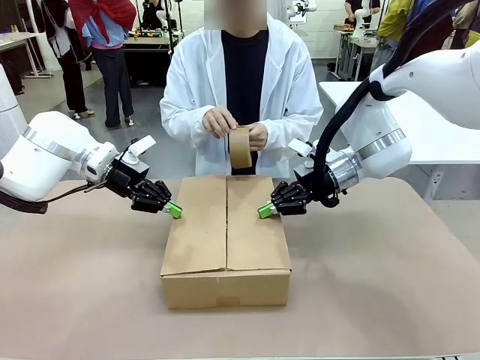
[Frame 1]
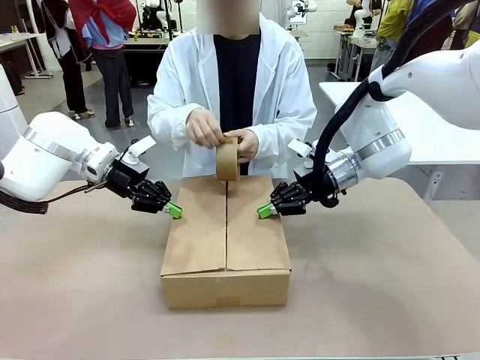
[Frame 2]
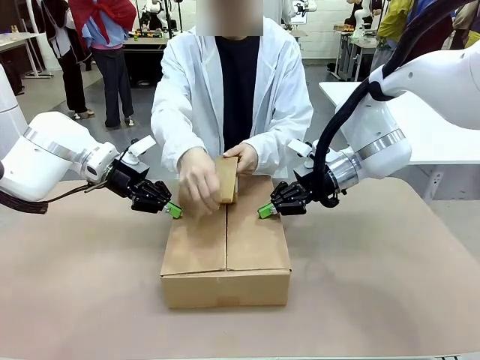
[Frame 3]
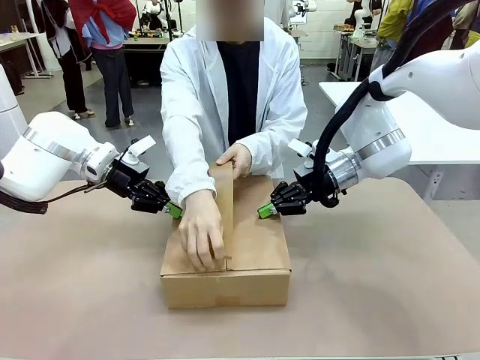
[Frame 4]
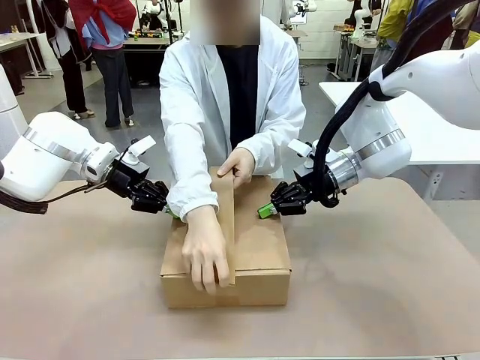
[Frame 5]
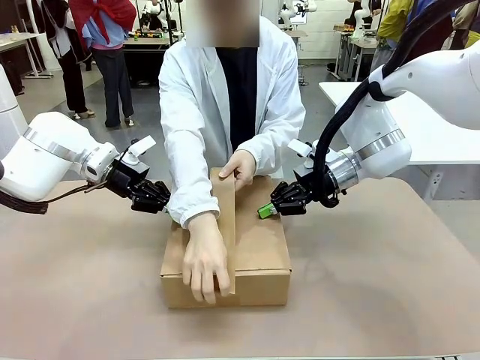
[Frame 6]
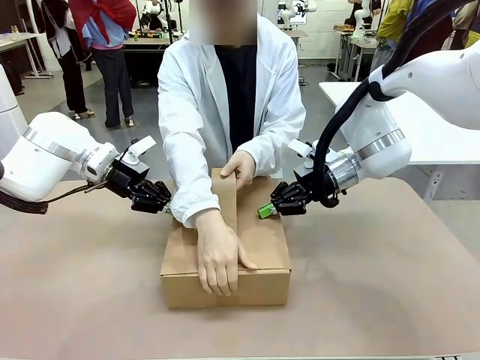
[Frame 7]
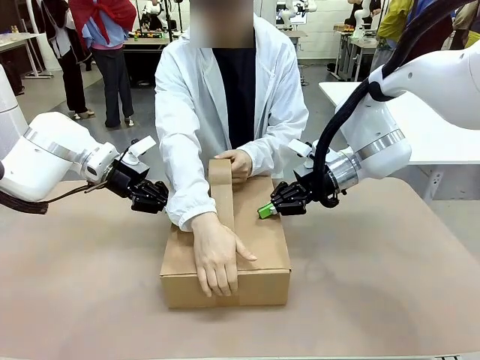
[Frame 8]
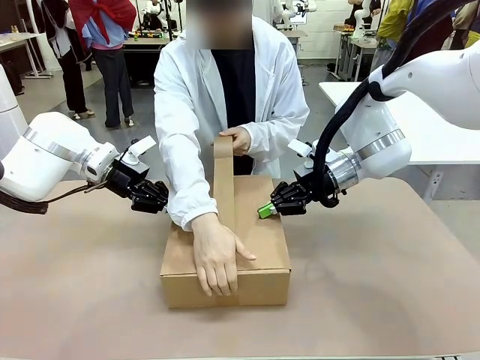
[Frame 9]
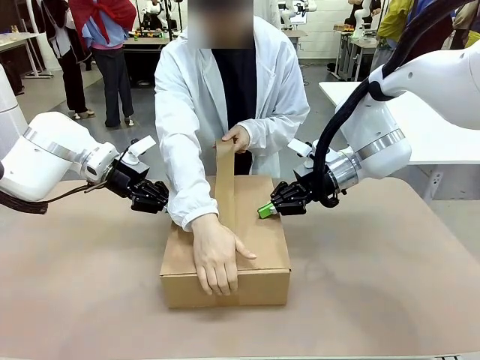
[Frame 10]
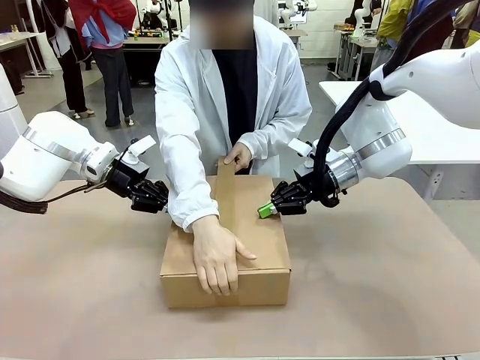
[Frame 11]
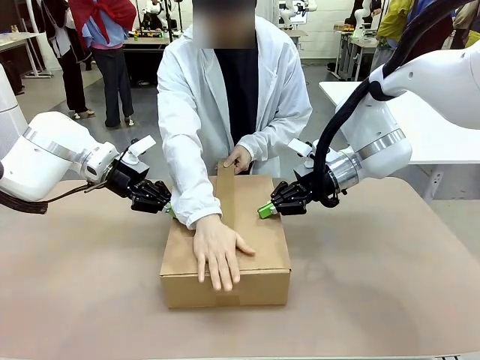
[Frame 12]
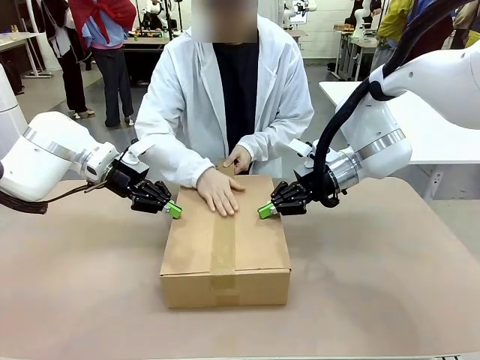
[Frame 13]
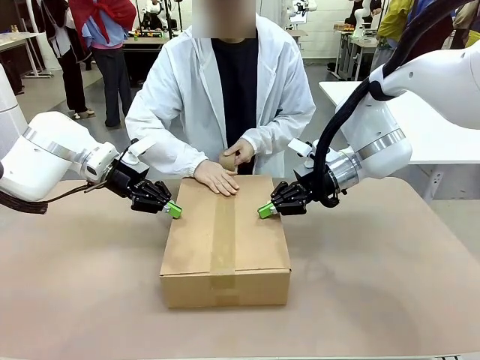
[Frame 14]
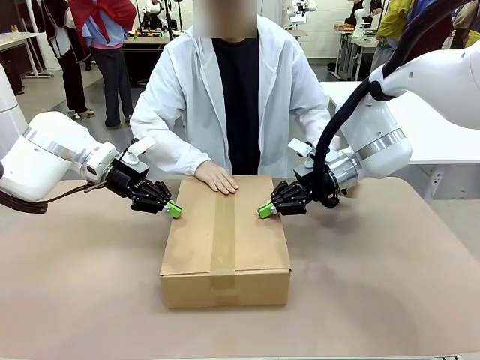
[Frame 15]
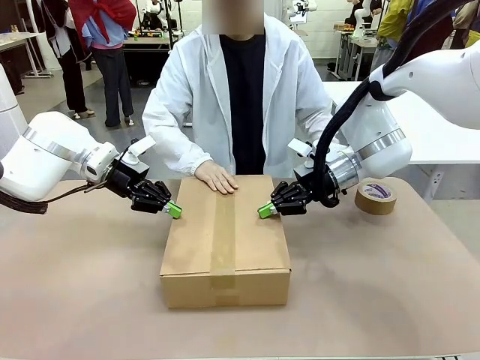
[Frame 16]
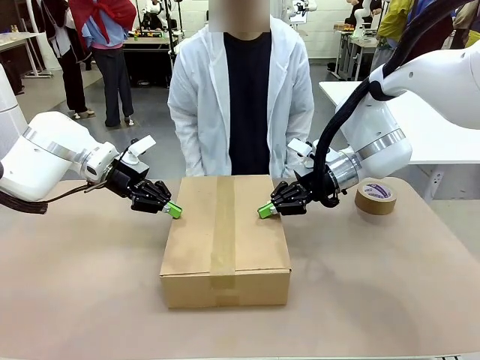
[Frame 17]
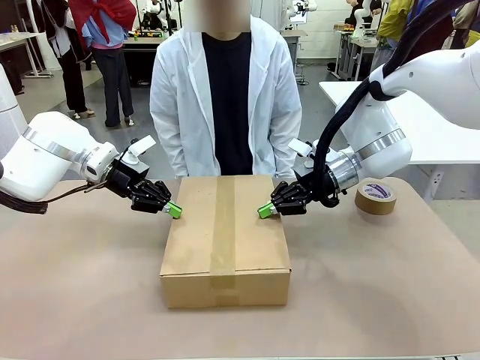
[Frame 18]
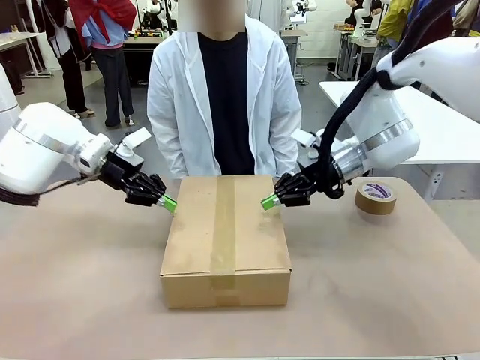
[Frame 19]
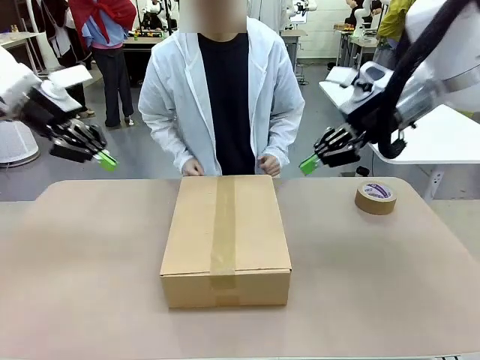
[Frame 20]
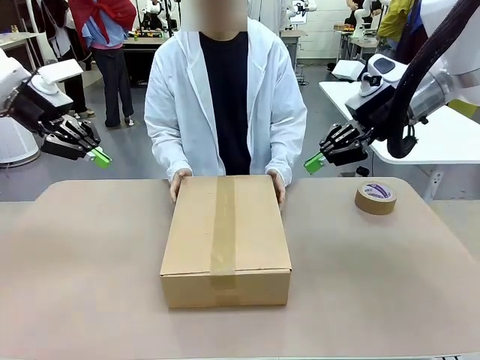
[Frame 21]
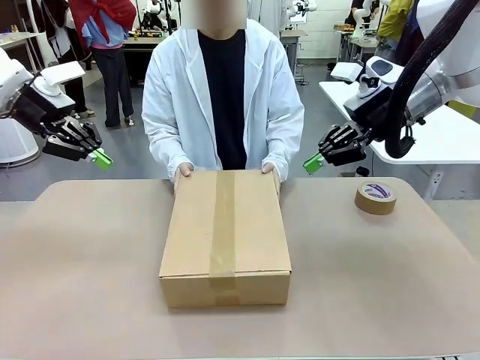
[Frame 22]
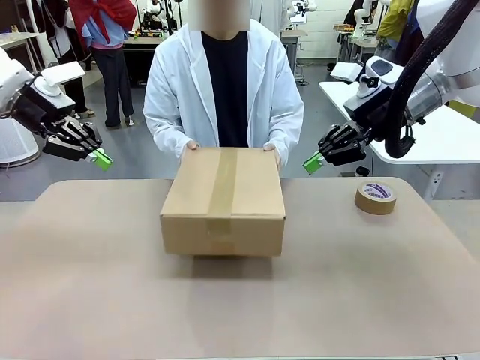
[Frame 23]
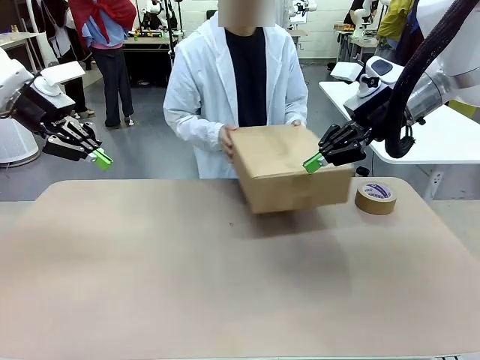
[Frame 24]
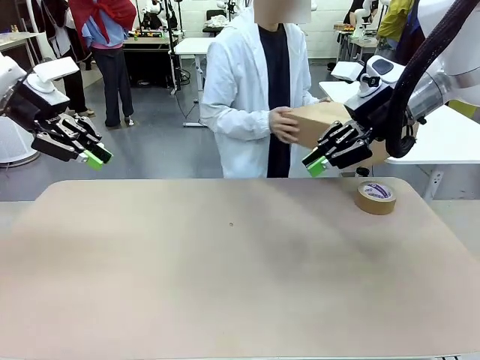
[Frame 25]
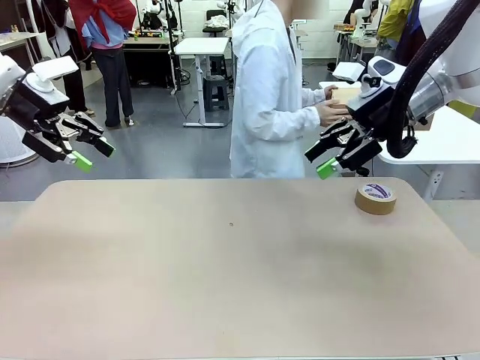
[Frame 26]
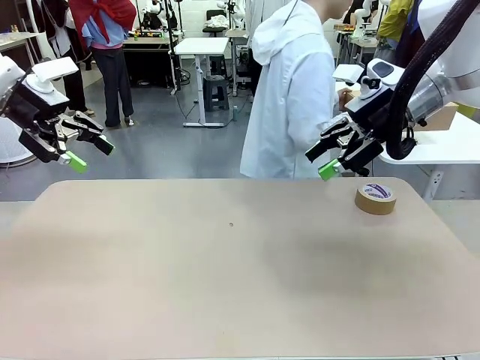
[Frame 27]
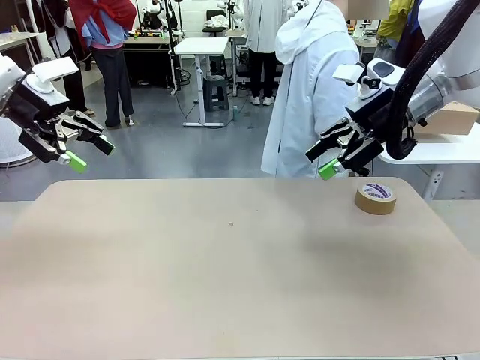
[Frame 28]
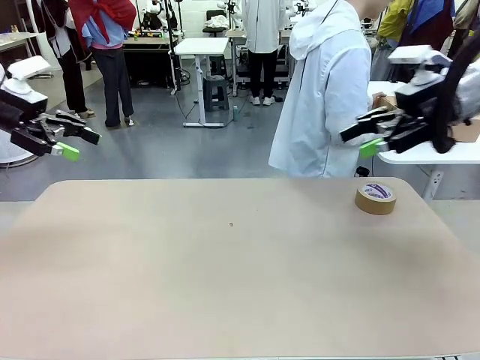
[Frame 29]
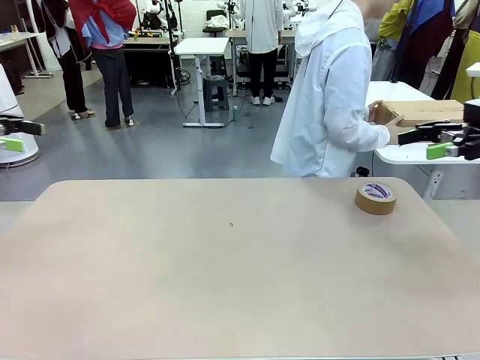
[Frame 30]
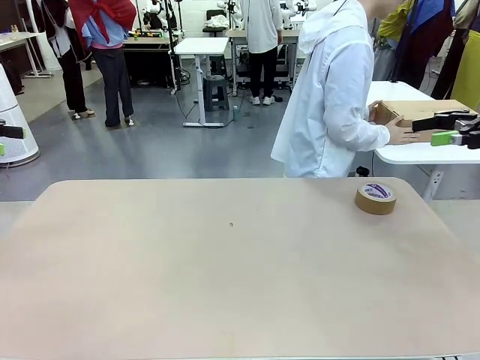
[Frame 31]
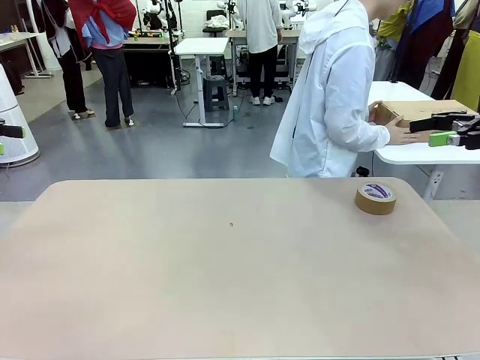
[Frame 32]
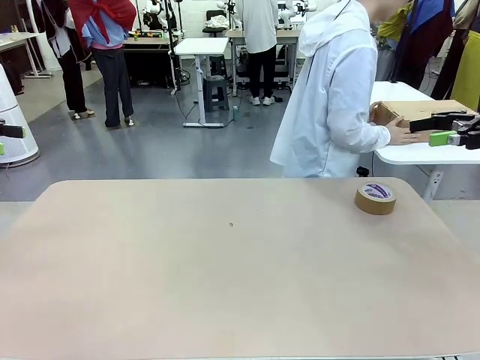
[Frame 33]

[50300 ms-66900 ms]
Task: Wrap the clocks to prevent damage.
Robot: After the human seals the box with tape, release both hands from the side flaps of the Package Box.
Person: Once the robot closes the left flap of the Package Box , seal the box with Paper Tape. Place sealed Package Box in the middle of the human's table.

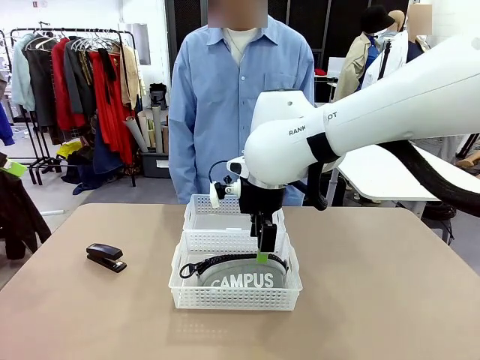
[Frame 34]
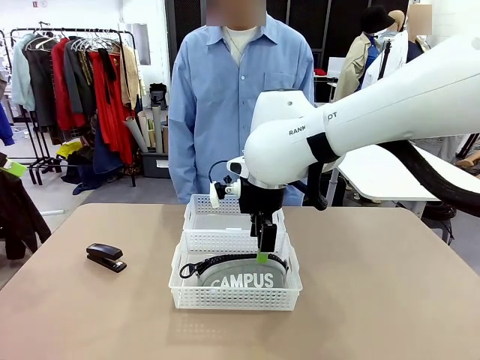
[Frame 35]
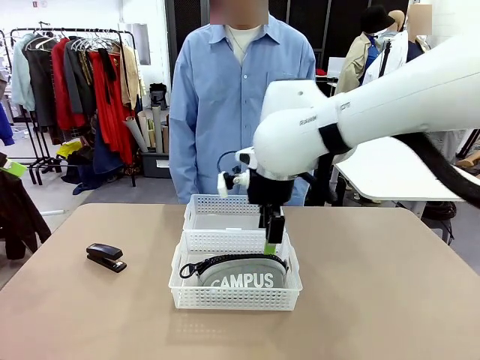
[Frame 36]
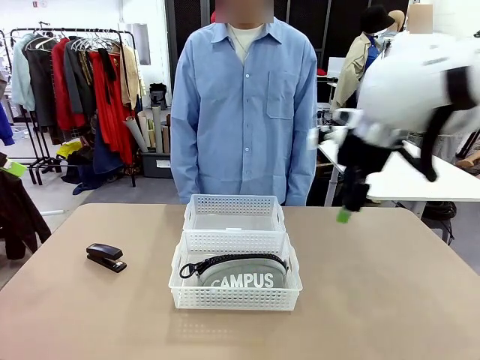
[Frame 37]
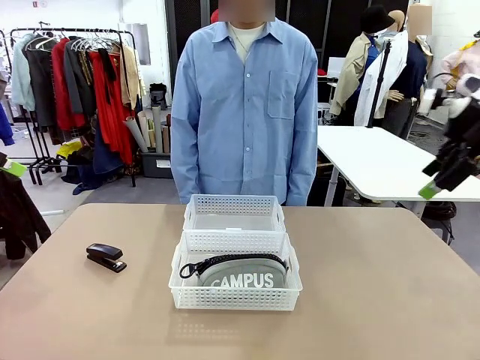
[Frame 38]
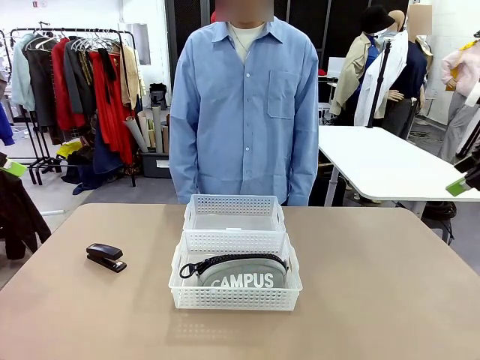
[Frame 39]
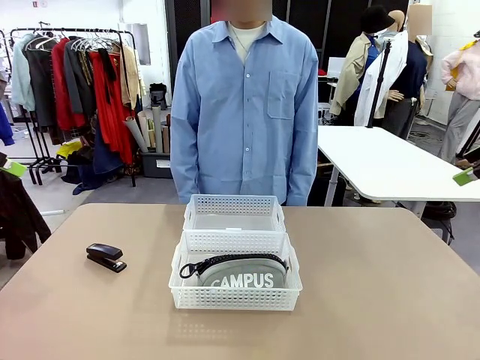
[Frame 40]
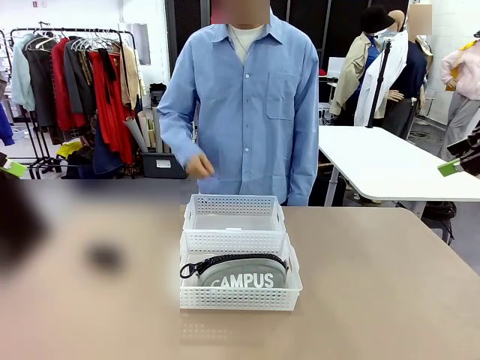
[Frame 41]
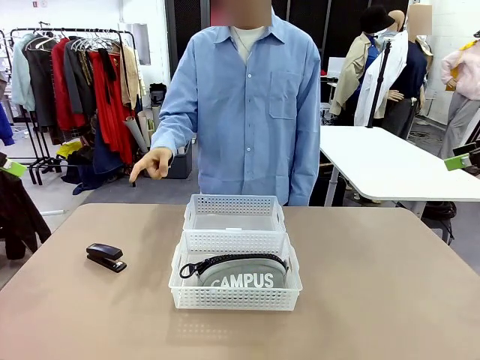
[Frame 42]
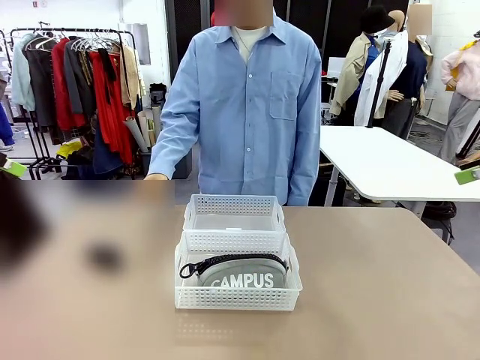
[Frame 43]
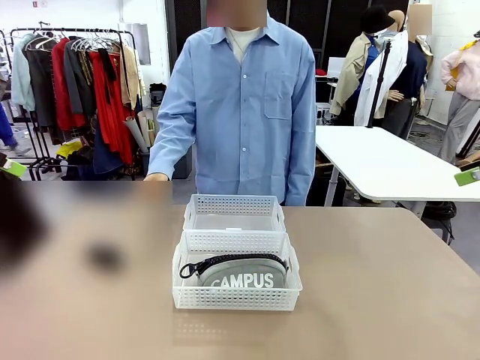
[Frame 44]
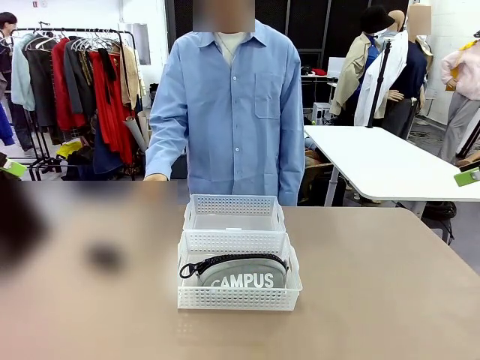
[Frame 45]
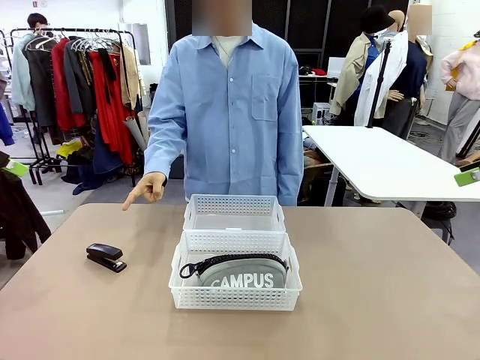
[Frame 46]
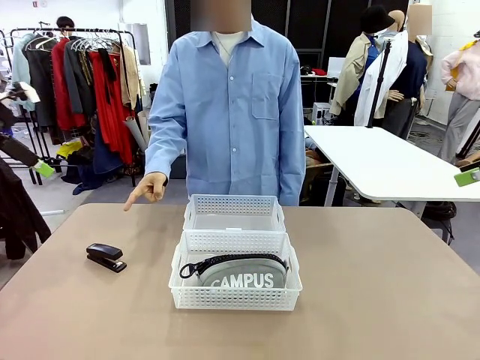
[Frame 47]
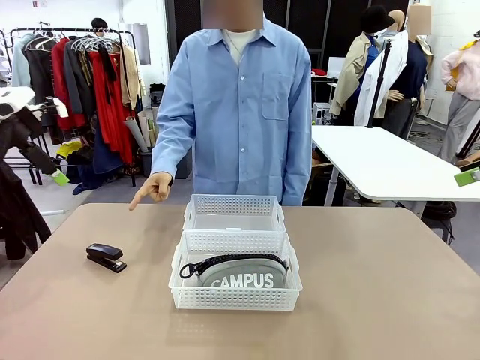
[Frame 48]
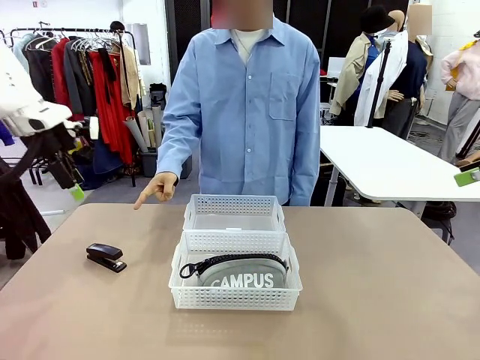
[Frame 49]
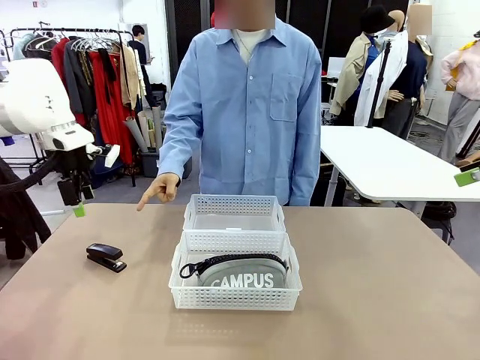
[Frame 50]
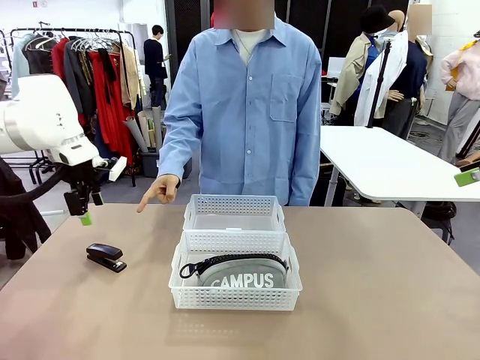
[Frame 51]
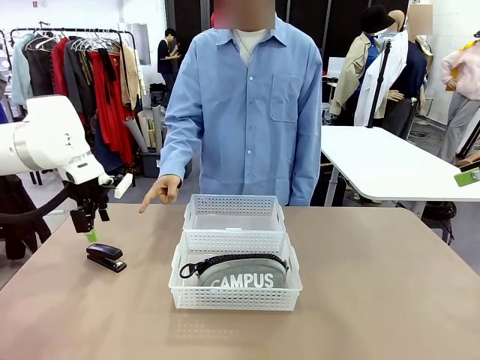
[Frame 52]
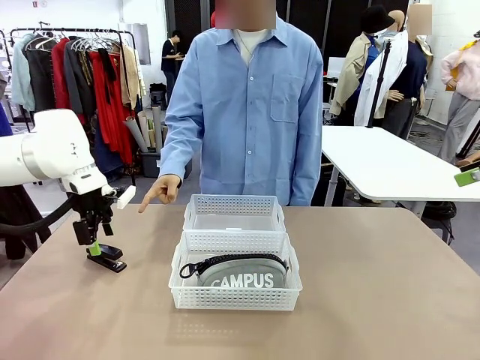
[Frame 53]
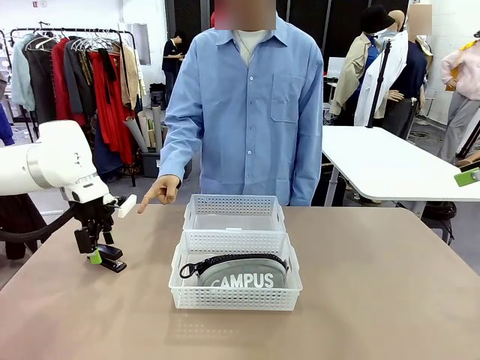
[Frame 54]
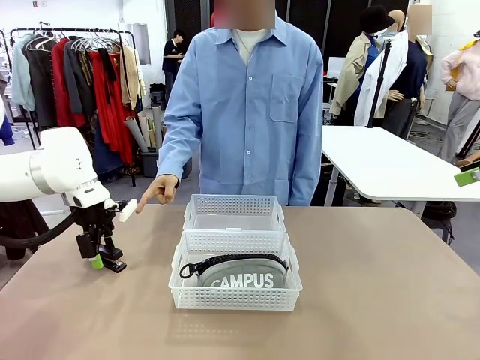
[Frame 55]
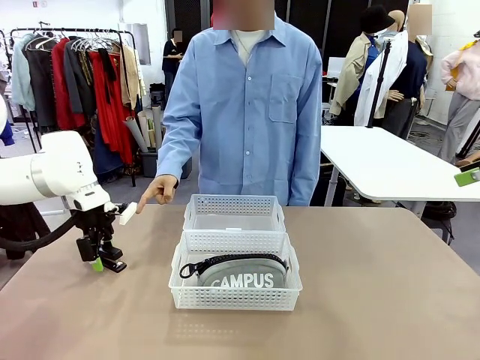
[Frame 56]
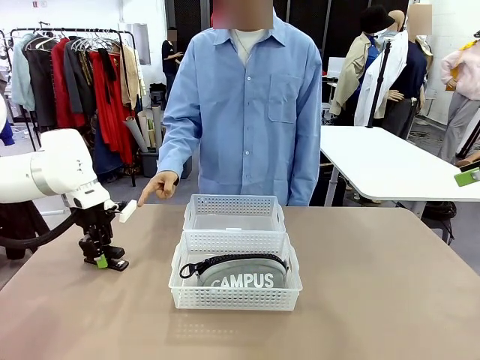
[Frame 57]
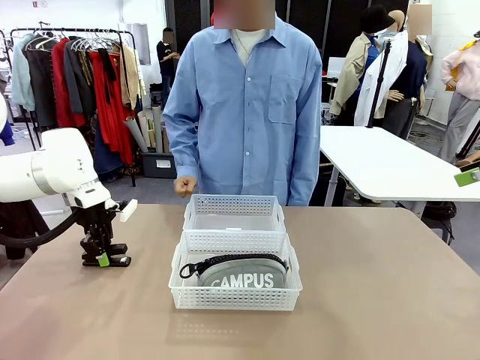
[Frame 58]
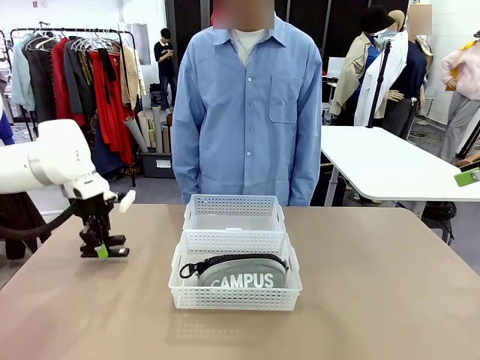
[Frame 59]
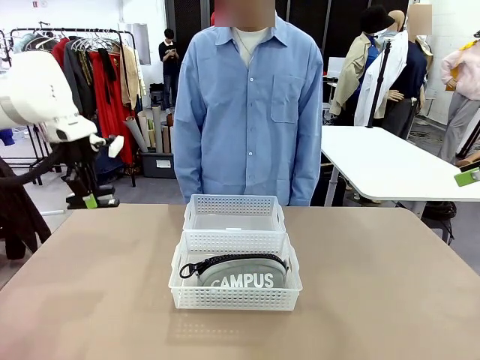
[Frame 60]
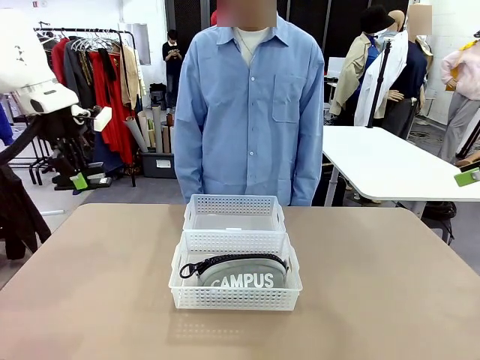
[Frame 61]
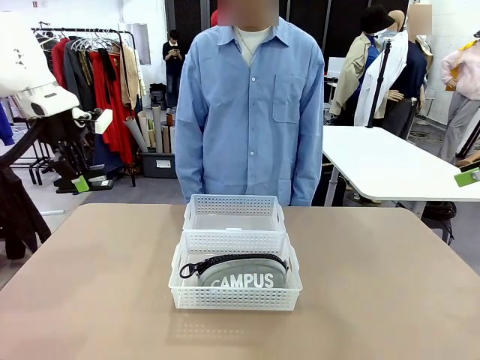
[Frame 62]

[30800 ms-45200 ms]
Task: Distribute items into two baskets.
Robot: Pick up the Stapler that the person points to.
